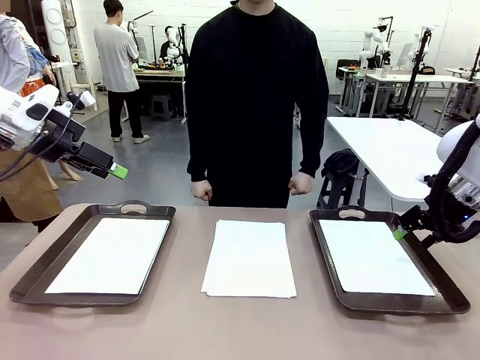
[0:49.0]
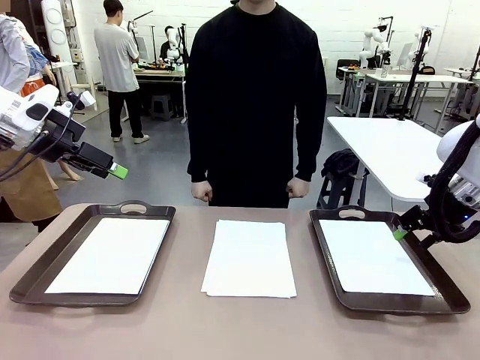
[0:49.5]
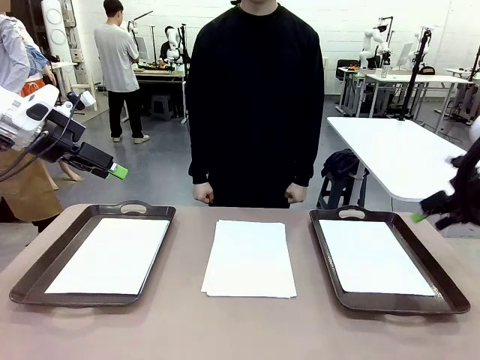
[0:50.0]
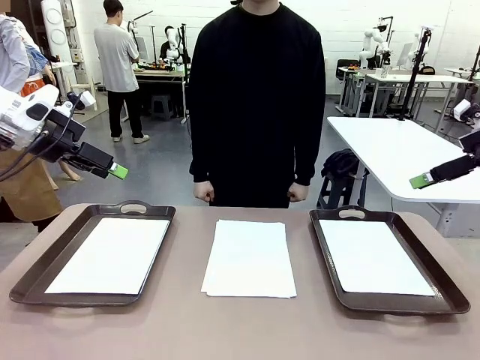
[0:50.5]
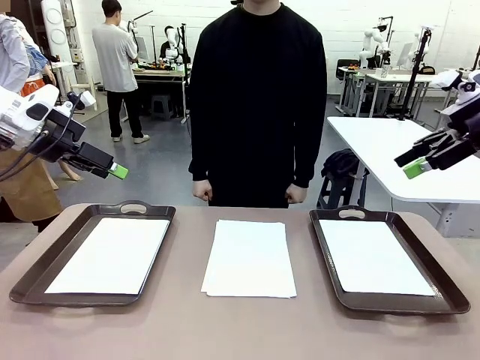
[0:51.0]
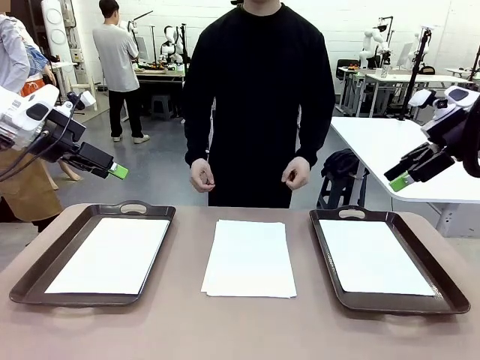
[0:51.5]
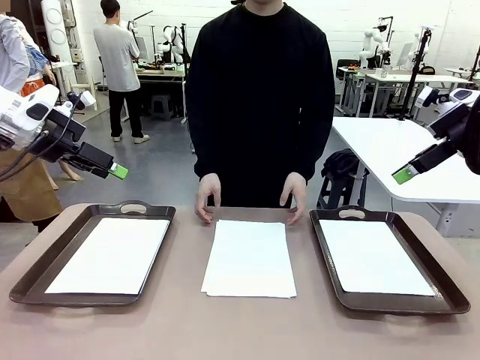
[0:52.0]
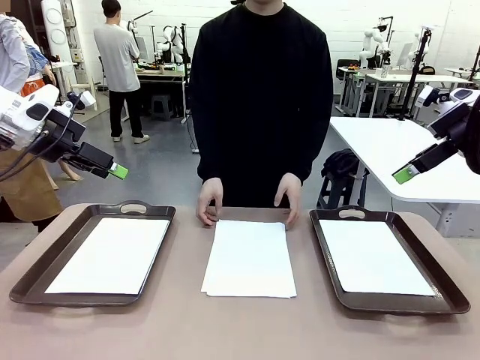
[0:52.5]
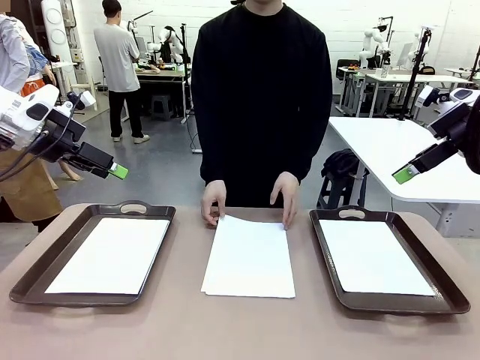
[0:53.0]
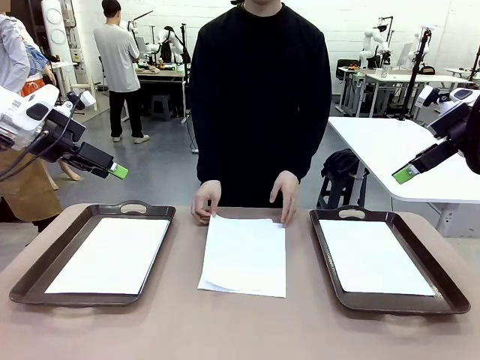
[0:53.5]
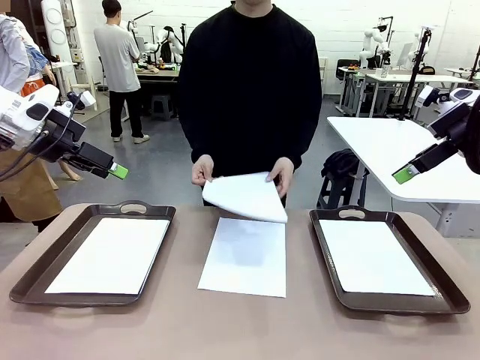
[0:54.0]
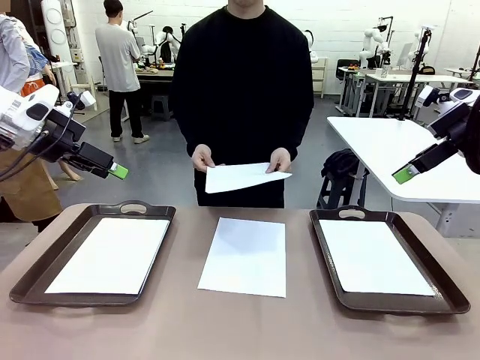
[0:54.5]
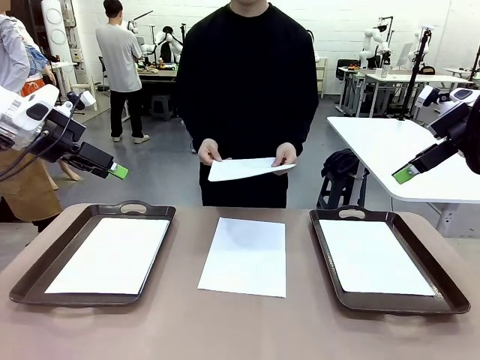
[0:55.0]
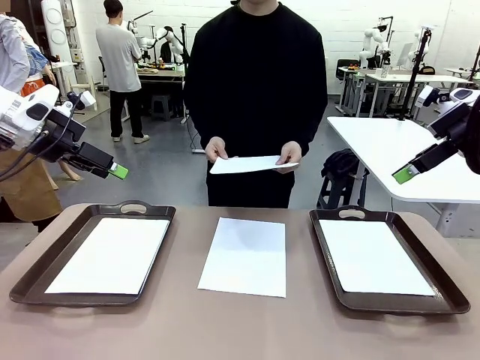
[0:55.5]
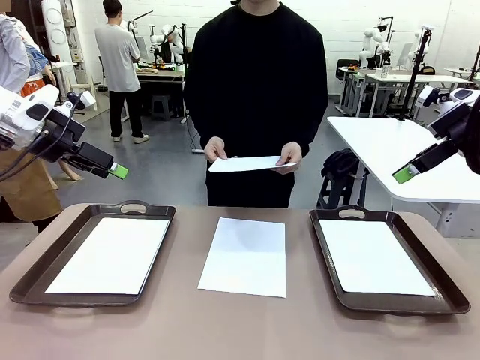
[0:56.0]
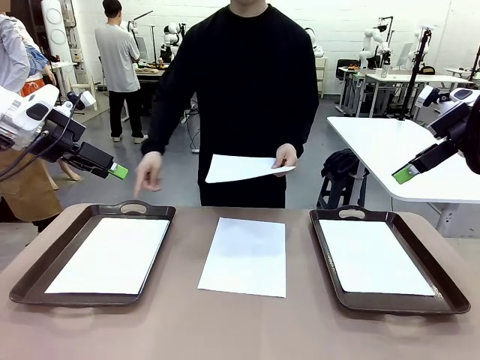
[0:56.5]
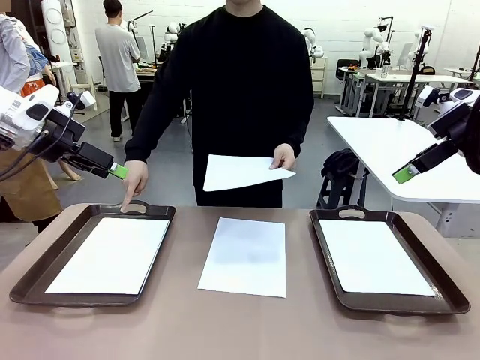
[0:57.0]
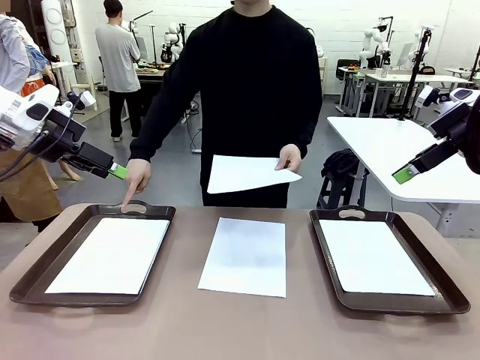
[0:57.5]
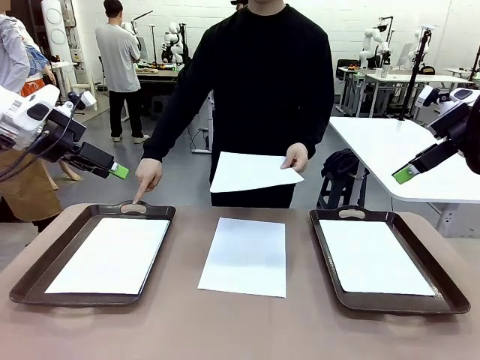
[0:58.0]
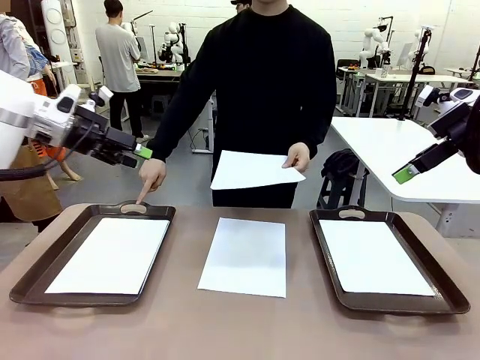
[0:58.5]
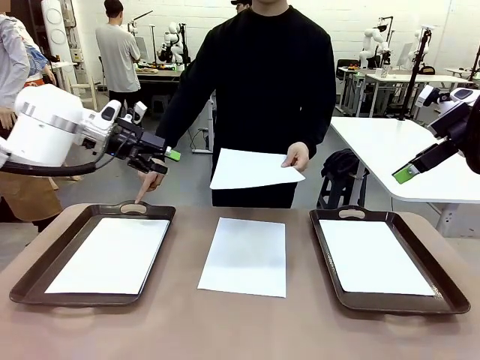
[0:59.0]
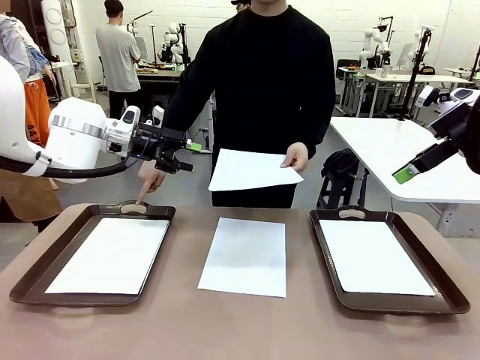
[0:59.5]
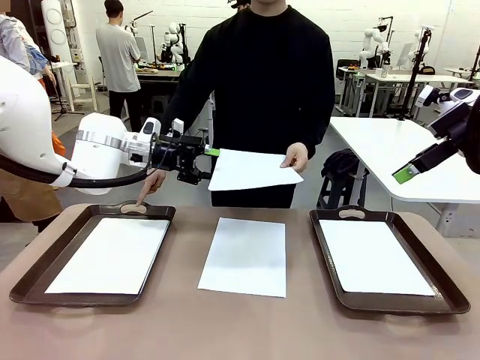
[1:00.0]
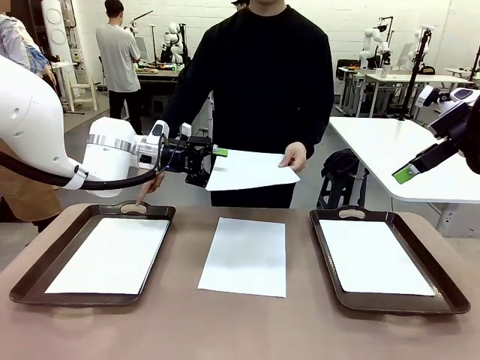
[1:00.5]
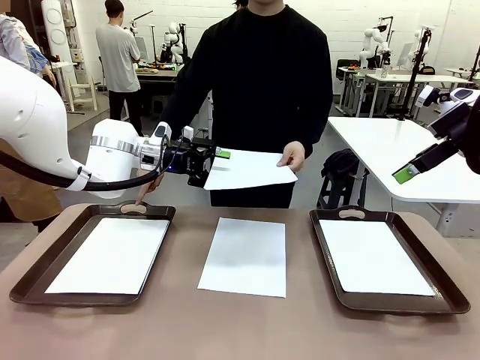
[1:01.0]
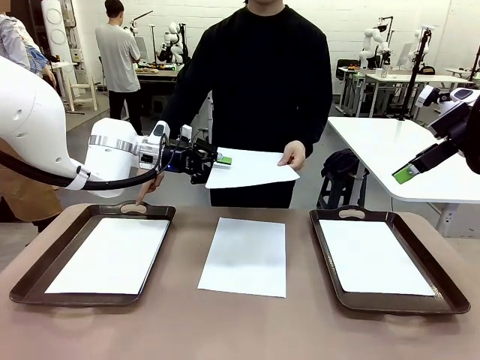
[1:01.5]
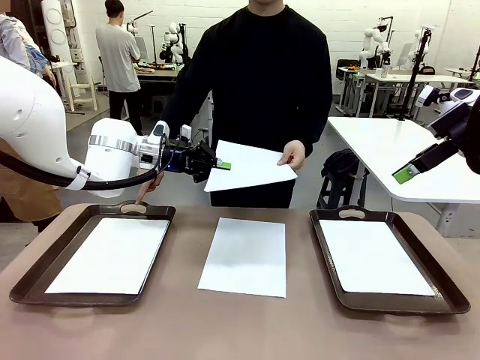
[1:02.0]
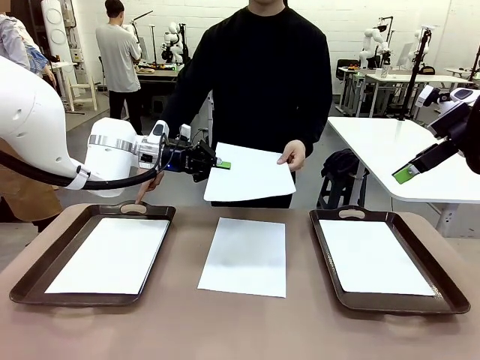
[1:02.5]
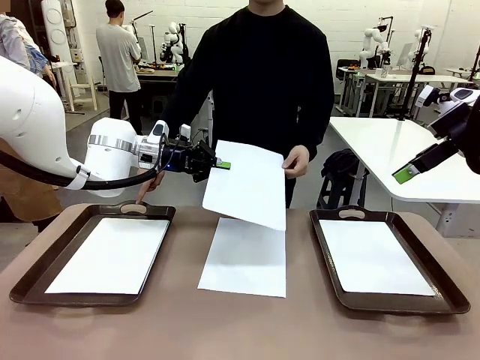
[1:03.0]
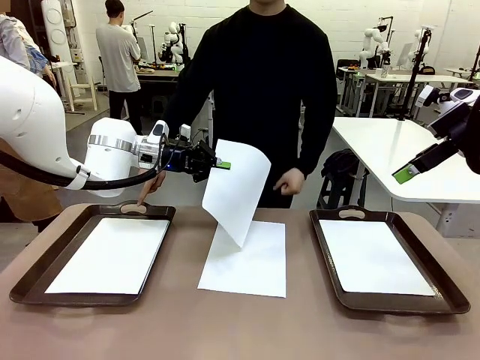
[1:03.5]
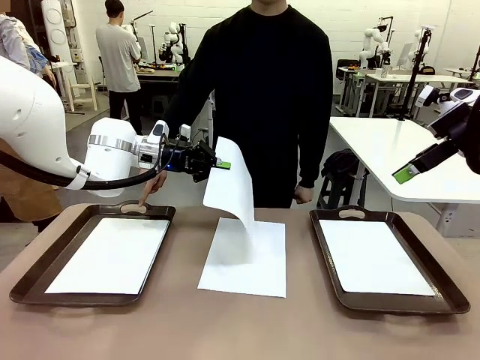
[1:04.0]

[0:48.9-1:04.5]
Task: Sort the A4 documents.
Robot: Receive the A4 Paper.
Person: Point the randomly selected tray with the other hand.

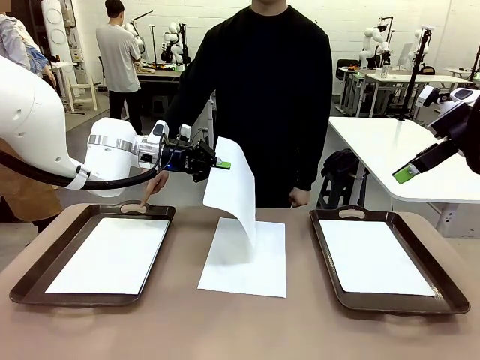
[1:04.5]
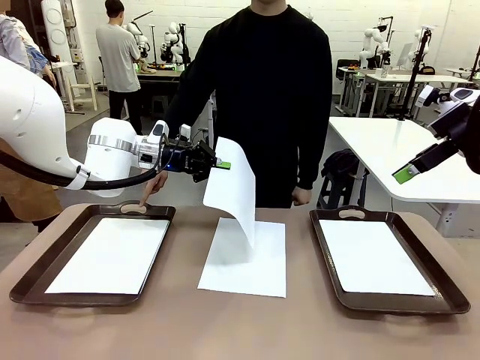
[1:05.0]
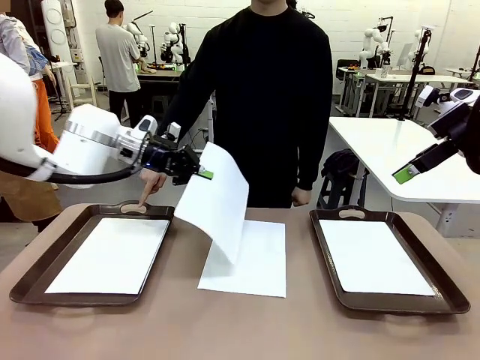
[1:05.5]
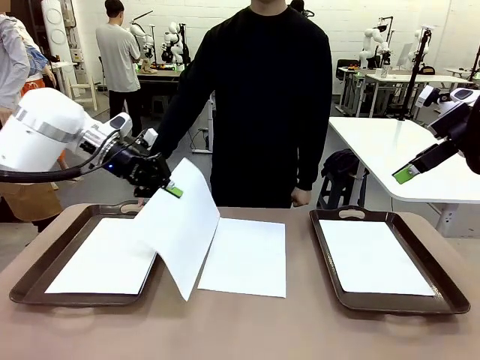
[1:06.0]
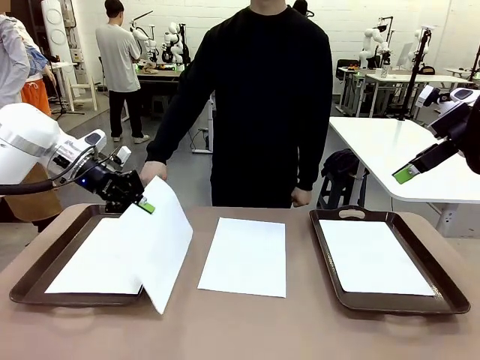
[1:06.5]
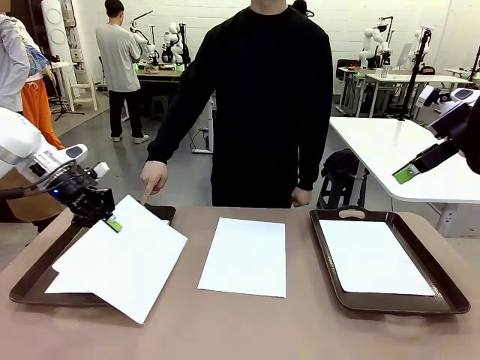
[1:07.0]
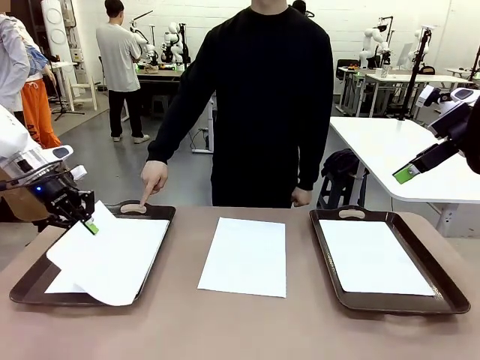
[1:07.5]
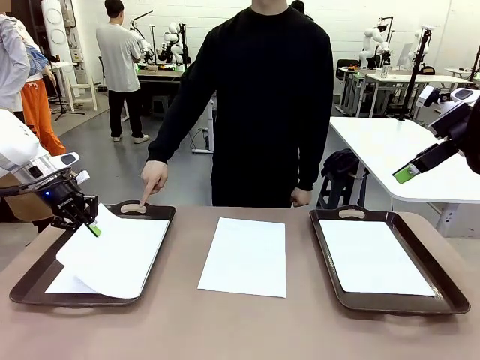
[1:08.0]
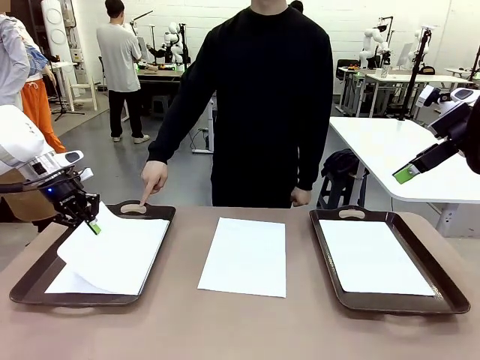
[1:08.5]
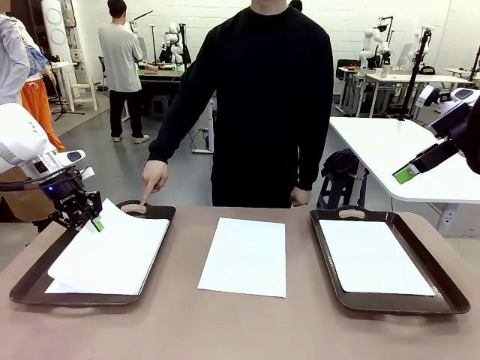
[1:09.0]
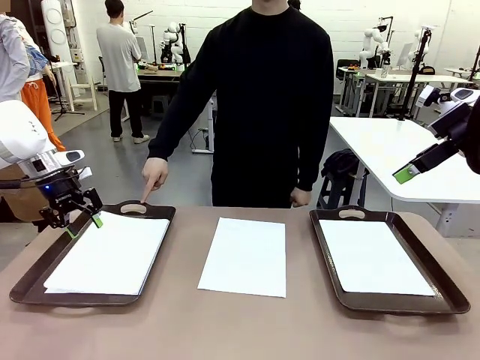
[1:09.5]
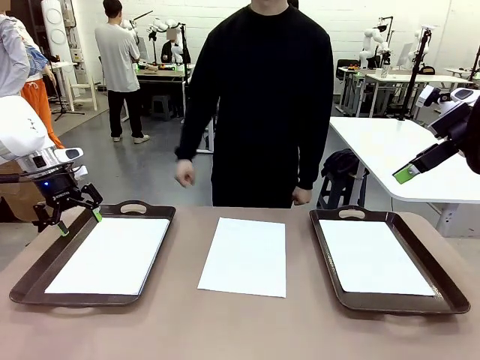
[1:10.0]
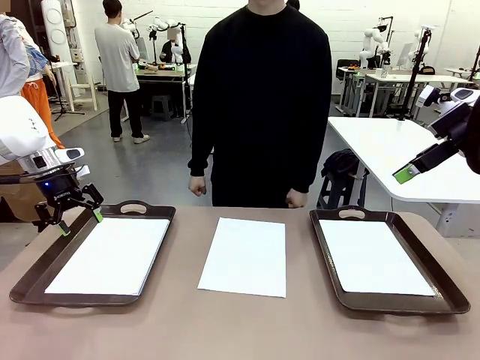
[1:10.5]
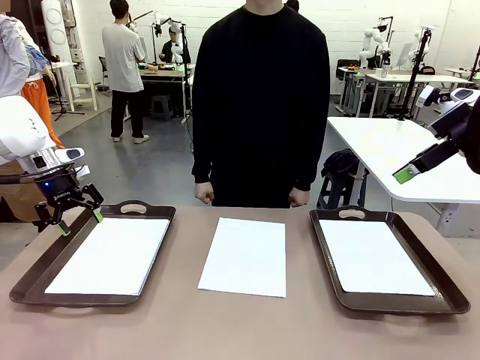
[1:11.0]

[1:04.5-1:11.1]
Robot: Place the A4 Paper in the designated Handle tray.
